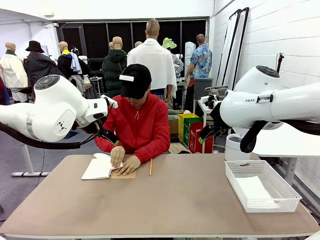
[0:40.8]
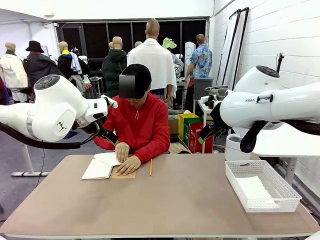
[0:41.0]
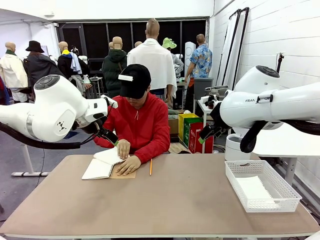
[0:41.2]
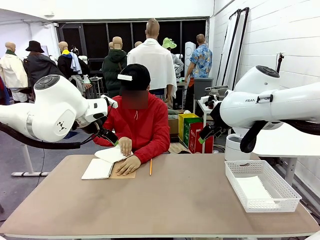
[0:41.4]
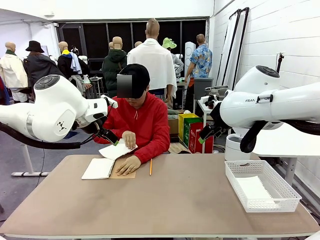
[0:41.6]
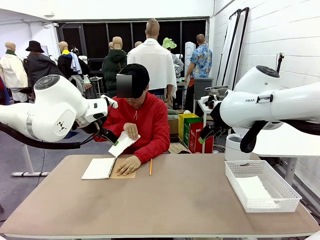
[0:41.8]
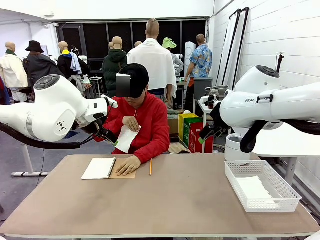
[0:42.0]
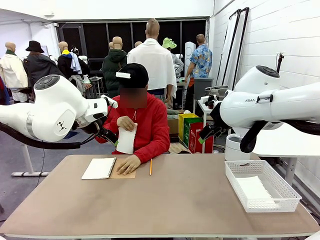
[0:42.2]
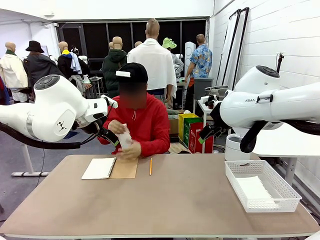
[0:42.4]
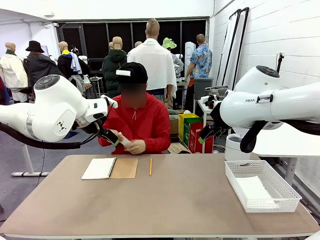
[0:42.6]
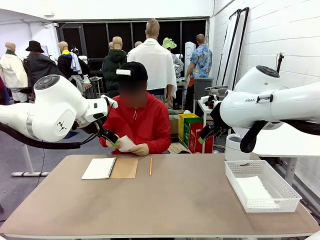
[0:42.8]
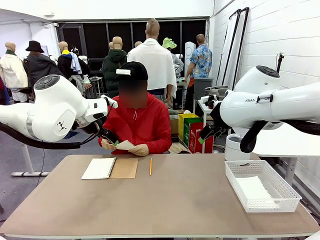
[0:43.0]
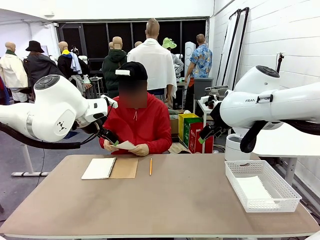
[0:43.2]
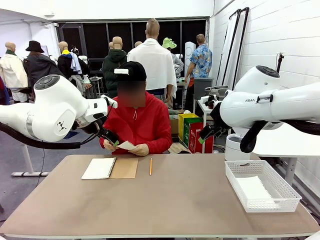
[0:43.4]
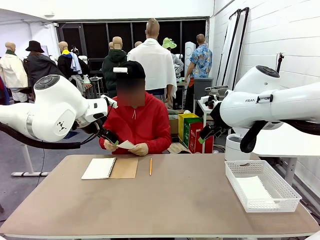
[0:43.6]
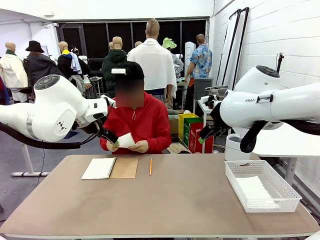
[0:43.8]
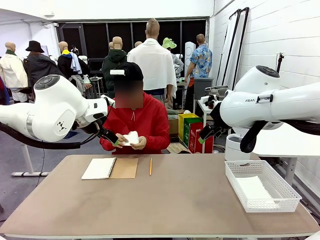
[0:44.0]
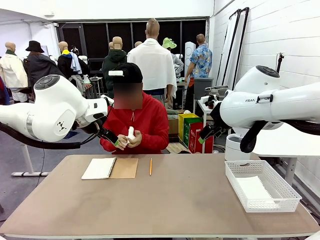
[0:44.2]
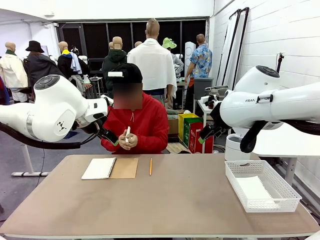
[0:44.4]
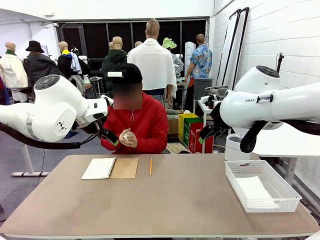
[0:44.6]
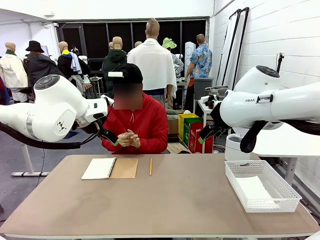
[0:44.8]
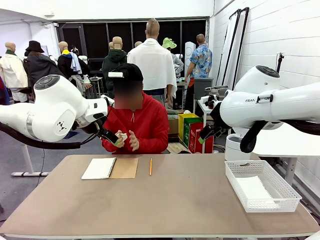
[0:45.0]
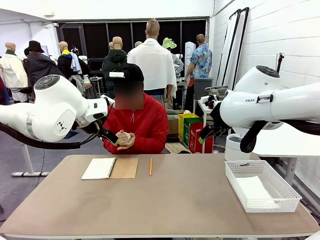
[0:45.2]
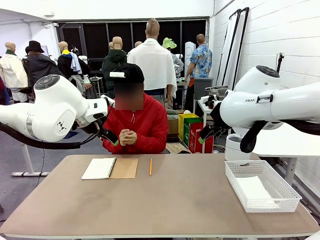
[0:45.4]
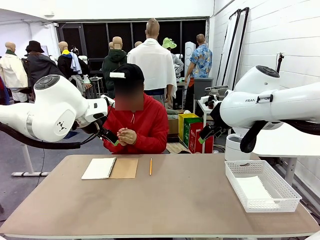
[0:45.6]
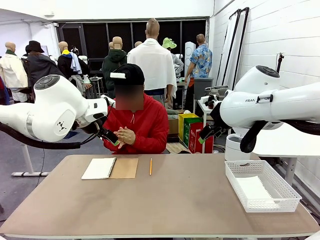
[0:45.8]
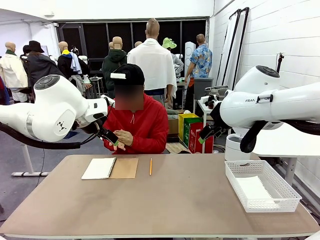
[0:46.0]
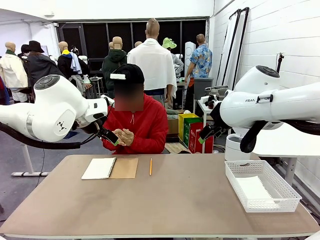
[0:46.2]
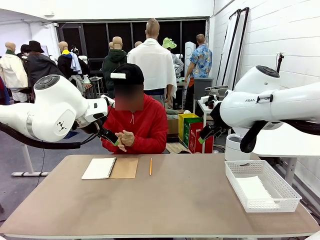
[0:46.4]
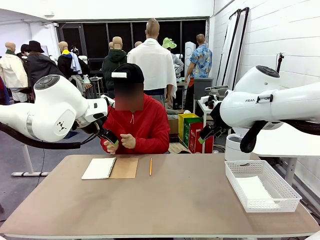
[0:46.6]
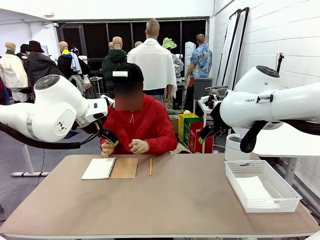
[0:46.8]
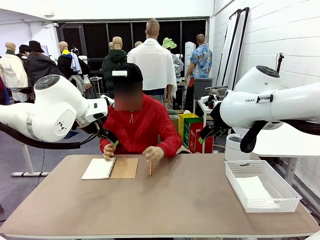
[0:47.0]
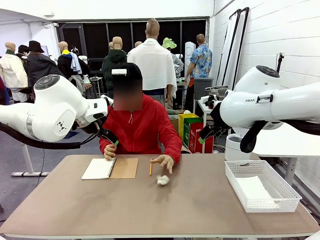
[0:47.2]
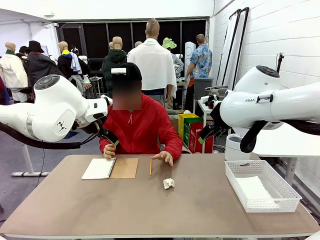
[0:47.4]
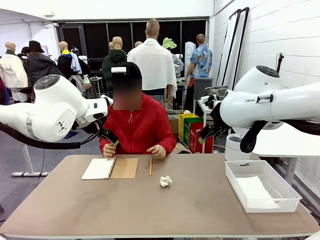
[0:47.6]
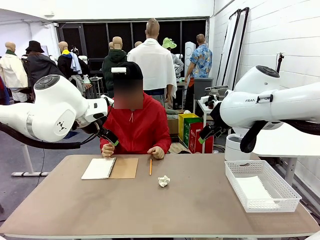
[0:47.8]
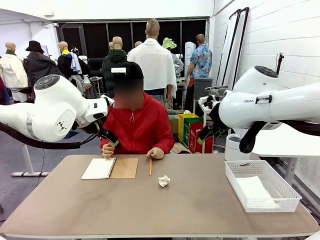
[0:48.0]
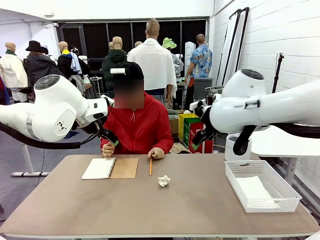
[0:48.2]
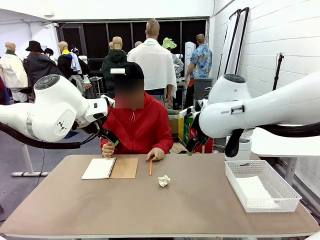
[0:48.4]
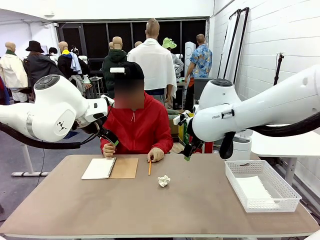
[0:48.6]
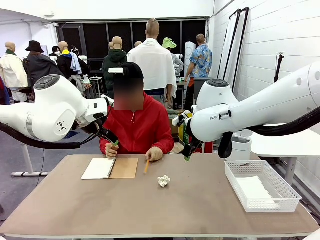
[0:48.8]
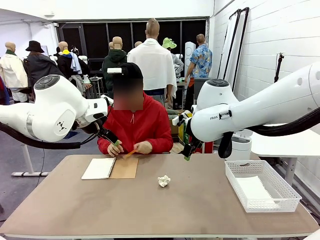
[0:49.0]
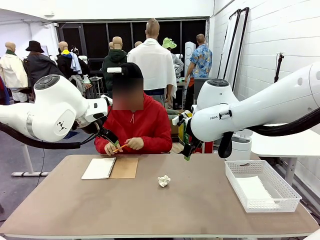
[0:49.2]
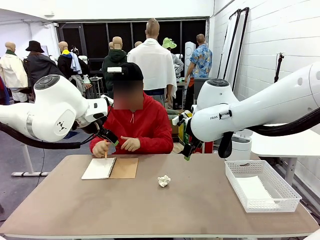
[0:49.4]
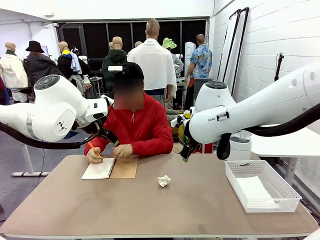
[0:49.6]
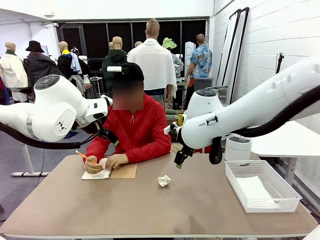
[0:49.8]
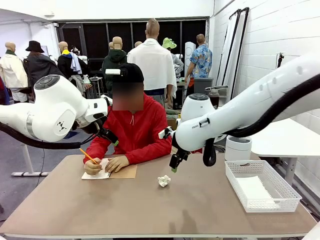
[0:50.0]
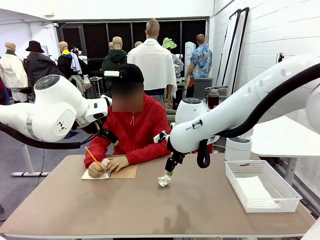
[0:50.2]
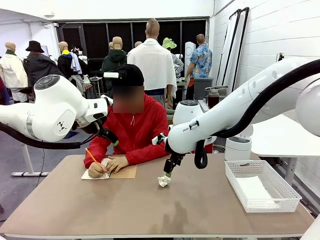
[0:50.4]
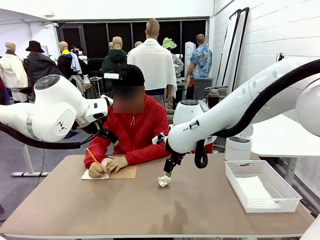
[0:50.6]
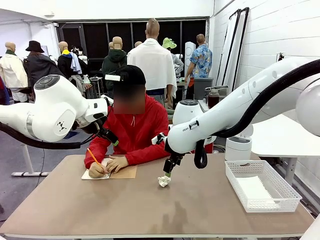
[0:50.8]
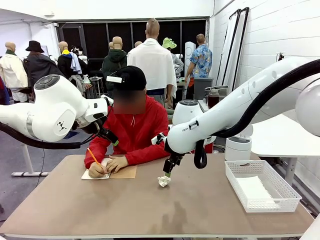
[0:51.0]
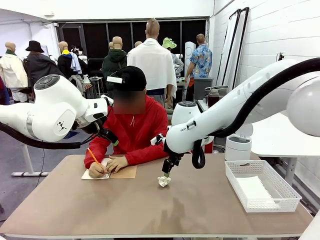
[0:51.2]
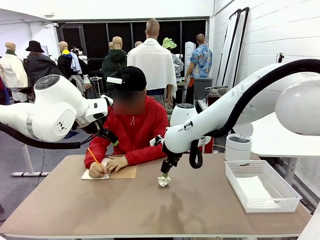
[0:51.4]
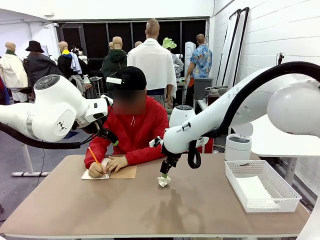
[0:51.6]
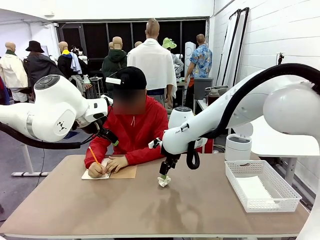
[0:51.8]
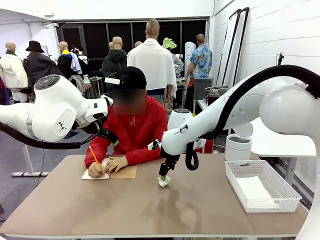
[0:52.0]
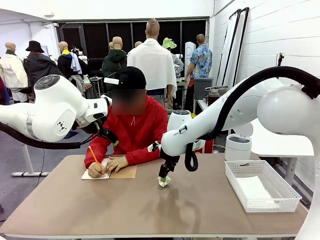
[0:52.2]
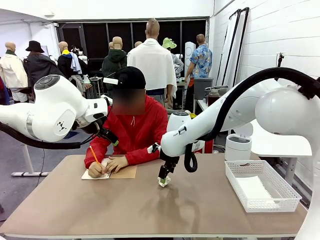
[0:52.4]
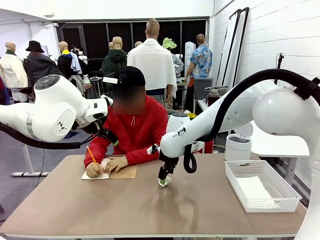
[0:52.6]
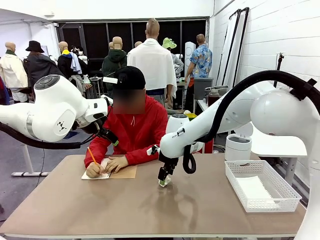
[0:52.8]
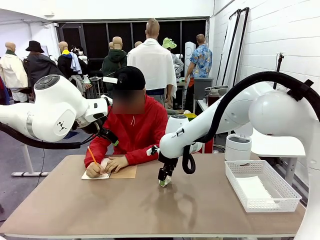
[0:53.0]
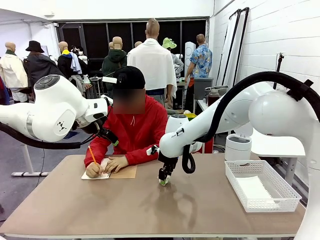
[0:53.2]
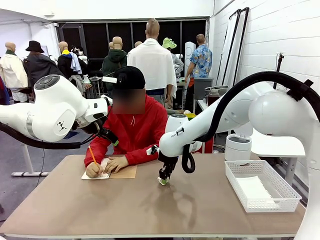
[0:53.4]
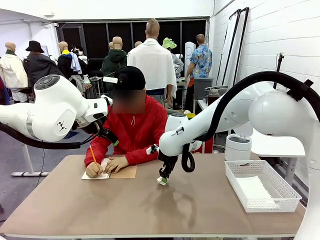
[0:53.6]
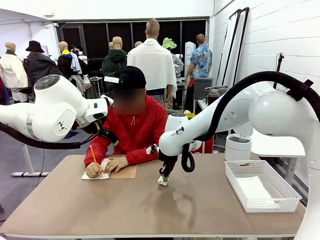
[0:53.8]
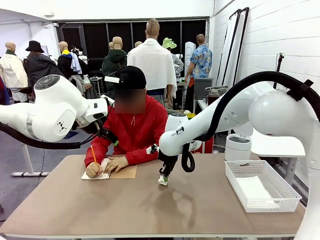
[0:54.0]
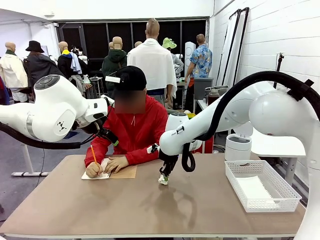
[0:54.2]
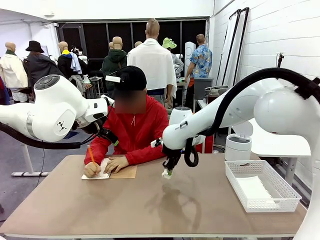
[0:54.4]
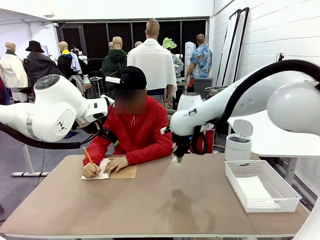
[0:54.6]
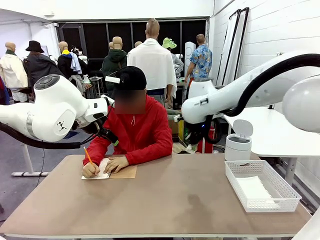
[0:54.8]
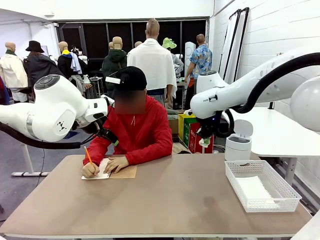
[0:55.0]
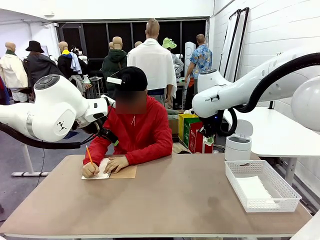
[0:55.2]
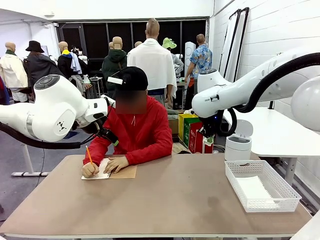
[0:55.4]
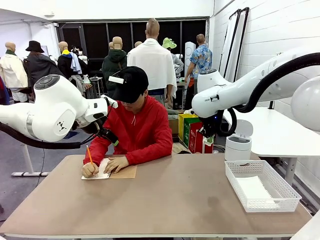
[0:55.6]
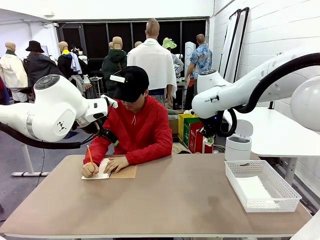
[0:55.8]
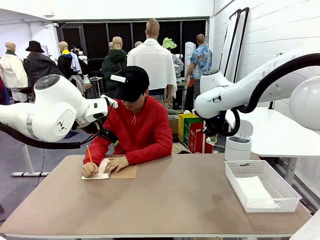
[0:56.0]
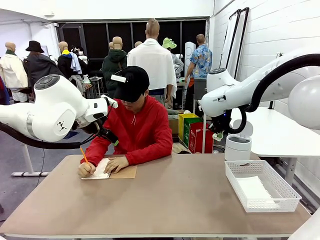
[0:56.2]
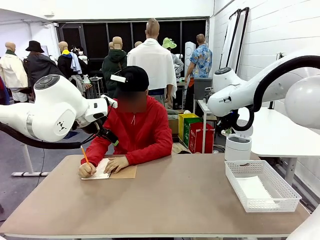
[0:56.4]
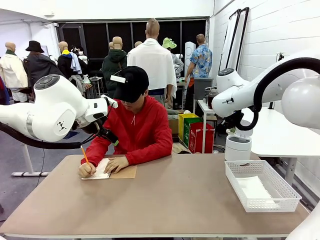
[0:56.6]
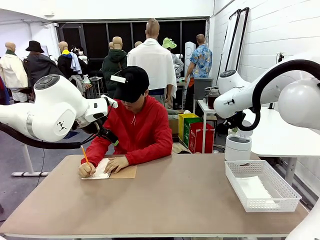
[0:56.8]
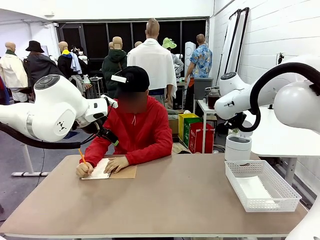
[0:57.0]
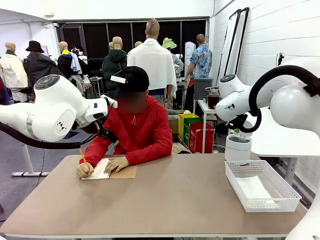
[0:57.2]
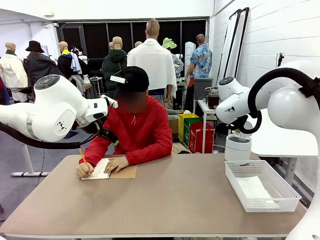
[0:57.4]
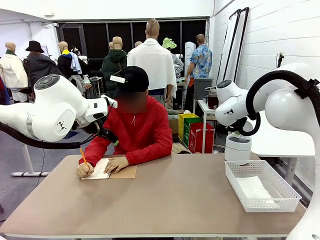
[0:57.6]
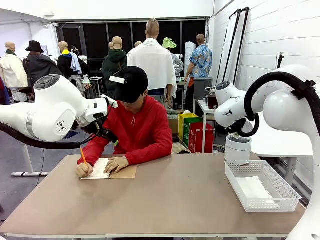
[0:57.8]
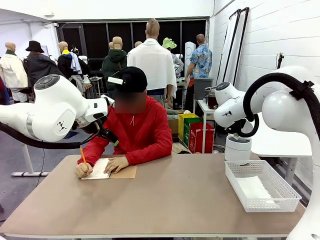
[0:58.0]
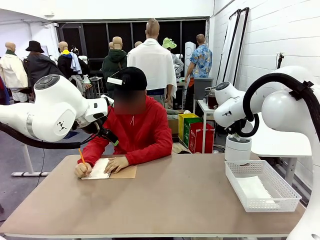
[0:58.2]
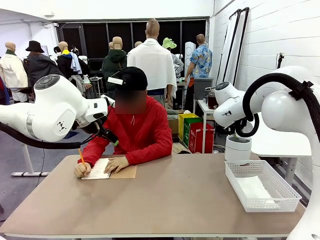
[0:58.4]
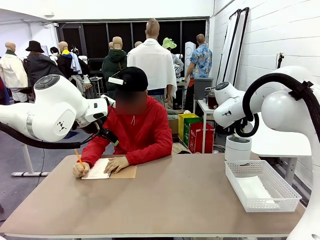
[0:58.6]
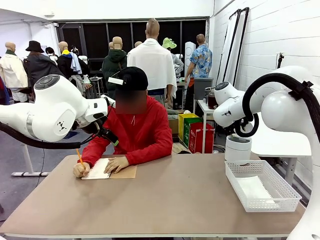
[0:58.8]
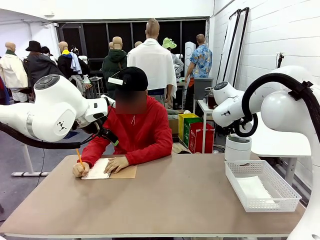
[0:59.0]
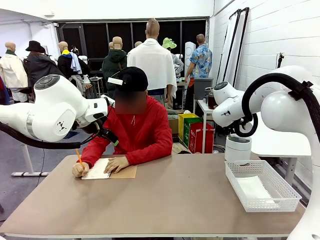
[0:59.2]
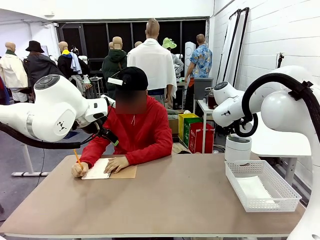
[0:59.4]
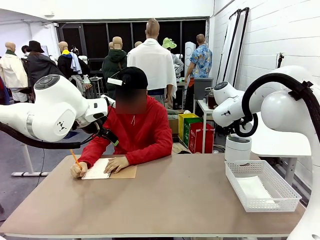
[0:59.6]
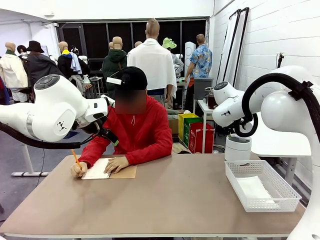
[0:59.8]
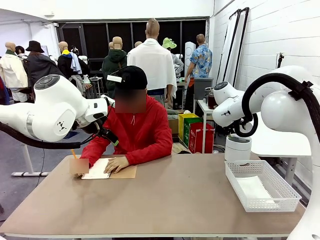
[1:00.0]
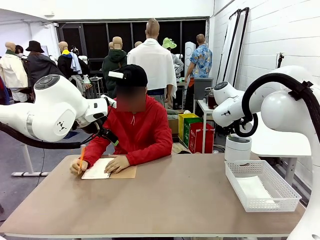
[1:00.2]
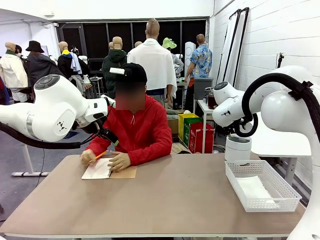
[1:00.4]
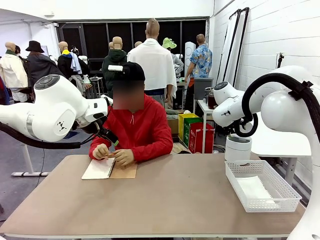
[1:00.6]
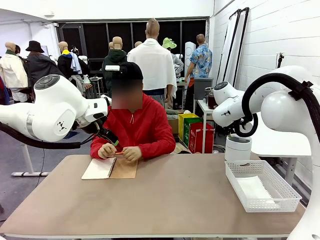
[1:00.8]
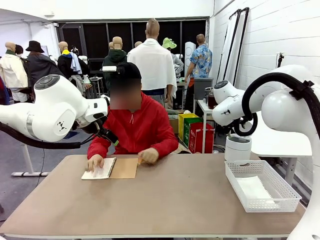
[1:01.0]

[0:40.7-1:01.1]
Task: Sort the paper based on its condition.
Robot: If a person hands you a paper, place it in the Organizing basket , and if it's crumpled, put it in the Trash can.
Person: Hand the torn page to the robot or crumple it and throw it to the center of the table. Tear out a page from the spiral notebook.
